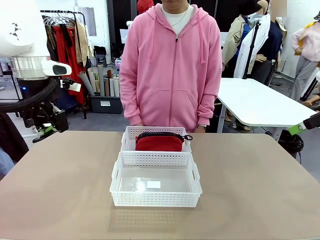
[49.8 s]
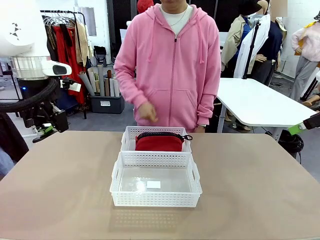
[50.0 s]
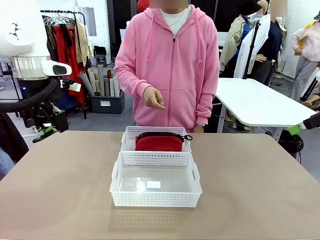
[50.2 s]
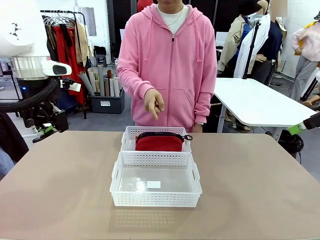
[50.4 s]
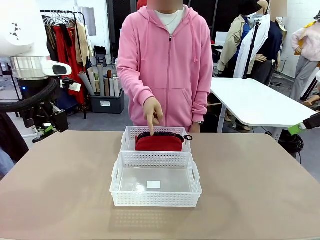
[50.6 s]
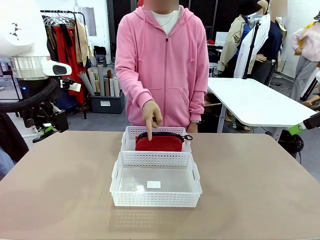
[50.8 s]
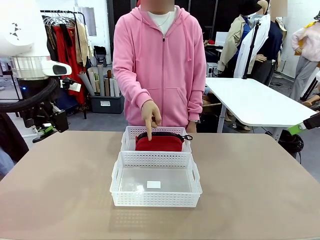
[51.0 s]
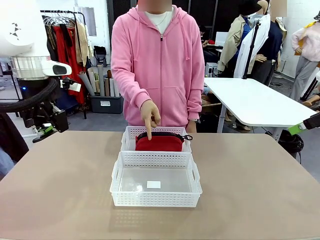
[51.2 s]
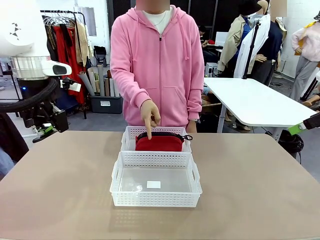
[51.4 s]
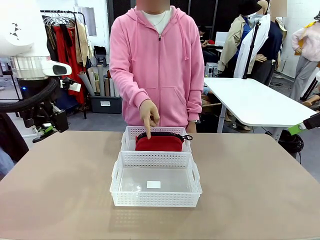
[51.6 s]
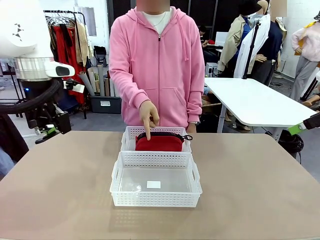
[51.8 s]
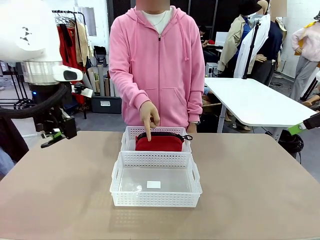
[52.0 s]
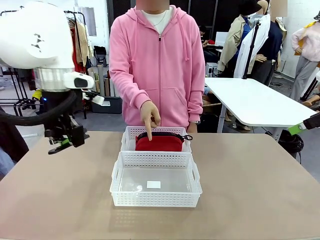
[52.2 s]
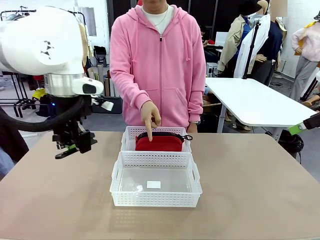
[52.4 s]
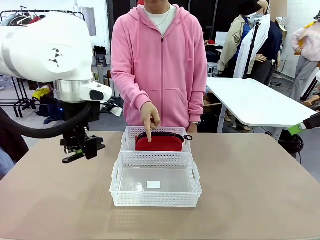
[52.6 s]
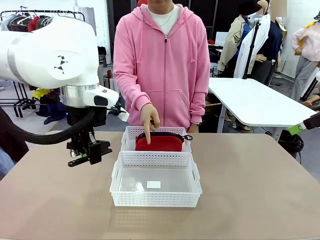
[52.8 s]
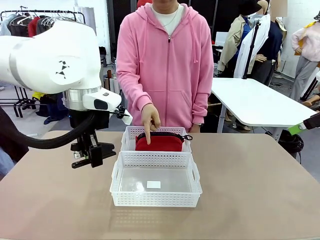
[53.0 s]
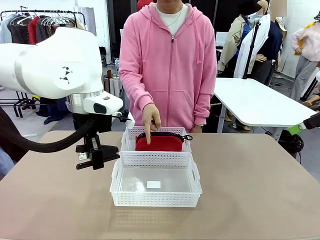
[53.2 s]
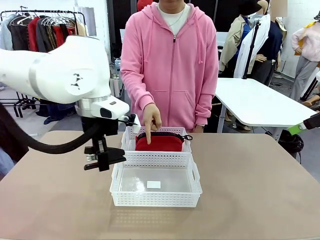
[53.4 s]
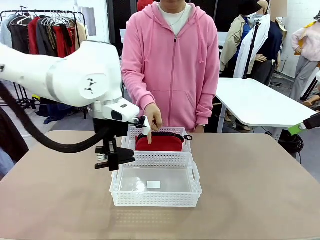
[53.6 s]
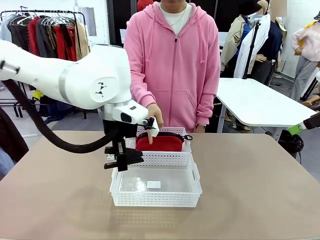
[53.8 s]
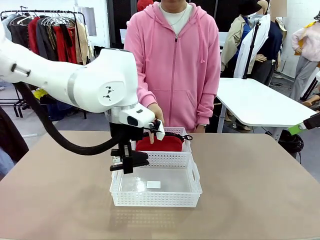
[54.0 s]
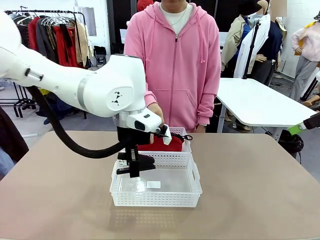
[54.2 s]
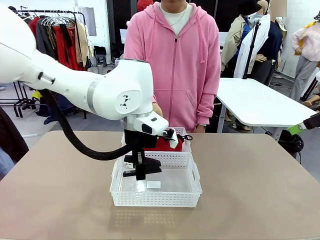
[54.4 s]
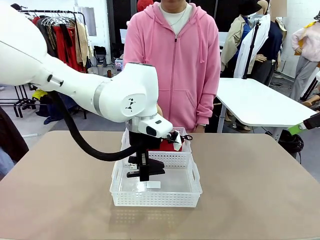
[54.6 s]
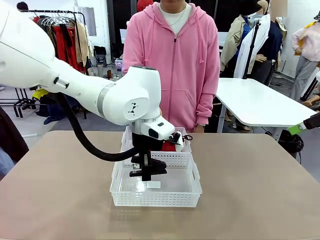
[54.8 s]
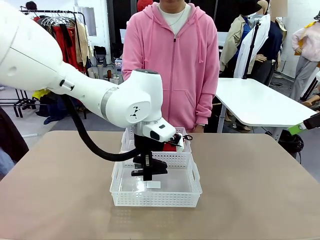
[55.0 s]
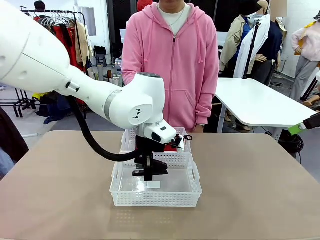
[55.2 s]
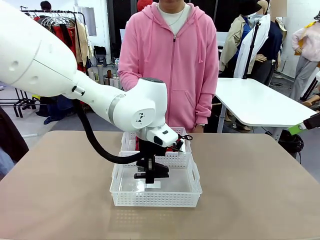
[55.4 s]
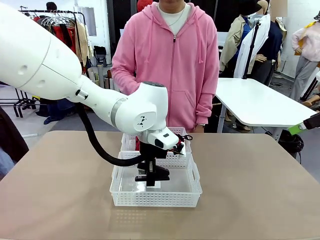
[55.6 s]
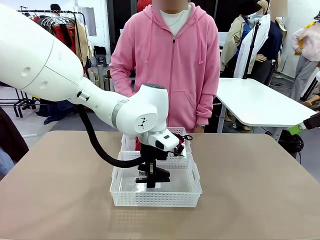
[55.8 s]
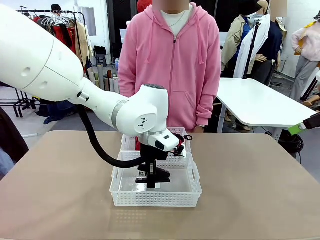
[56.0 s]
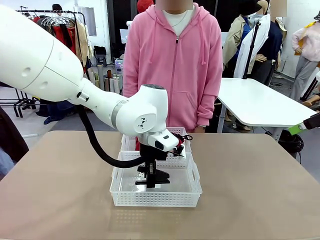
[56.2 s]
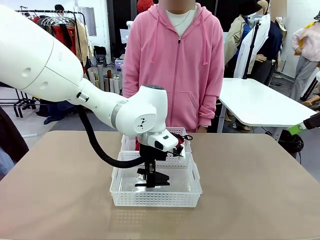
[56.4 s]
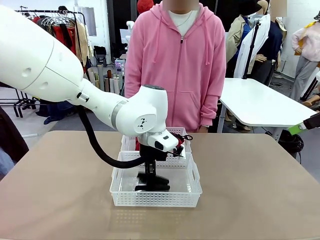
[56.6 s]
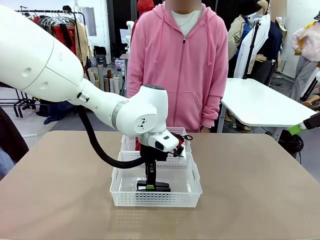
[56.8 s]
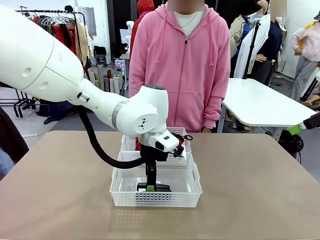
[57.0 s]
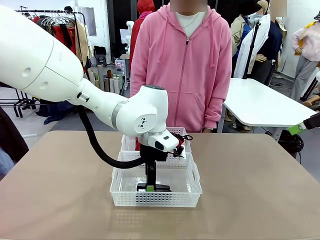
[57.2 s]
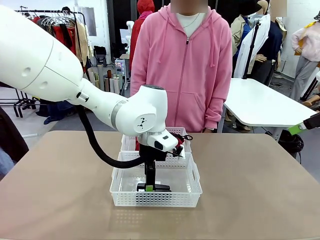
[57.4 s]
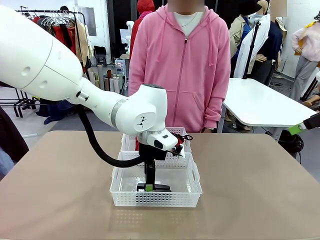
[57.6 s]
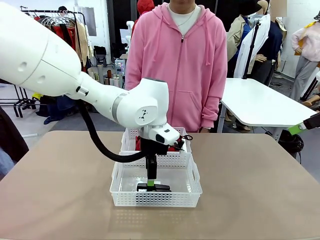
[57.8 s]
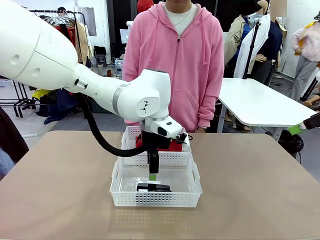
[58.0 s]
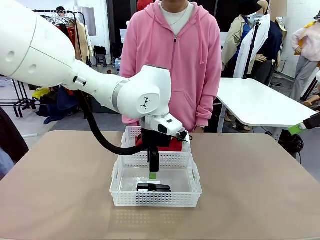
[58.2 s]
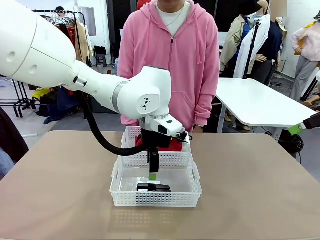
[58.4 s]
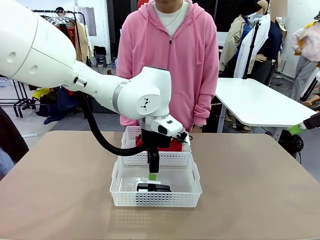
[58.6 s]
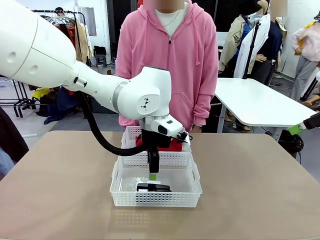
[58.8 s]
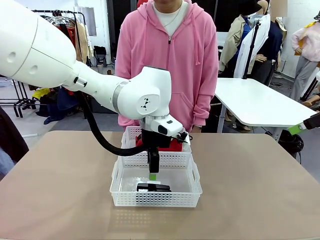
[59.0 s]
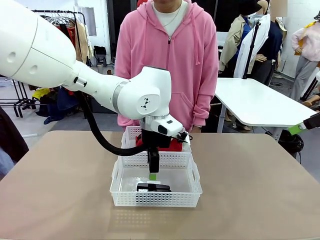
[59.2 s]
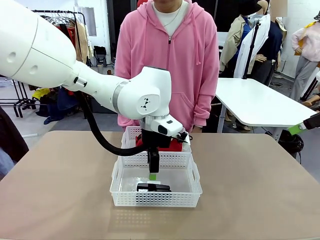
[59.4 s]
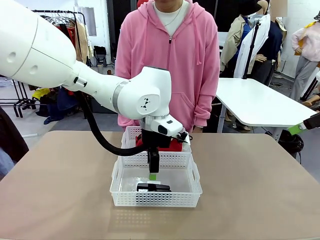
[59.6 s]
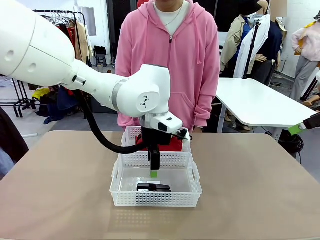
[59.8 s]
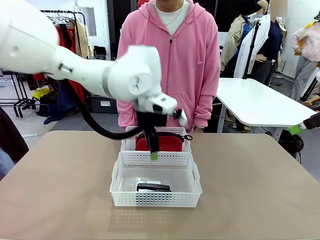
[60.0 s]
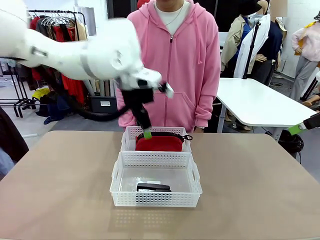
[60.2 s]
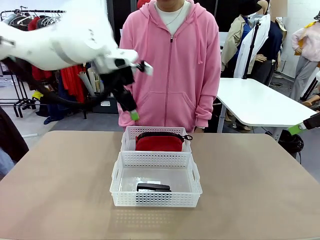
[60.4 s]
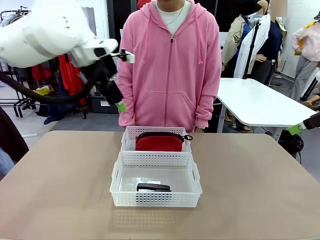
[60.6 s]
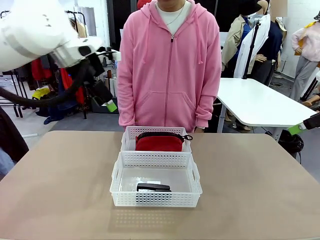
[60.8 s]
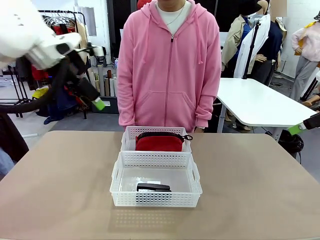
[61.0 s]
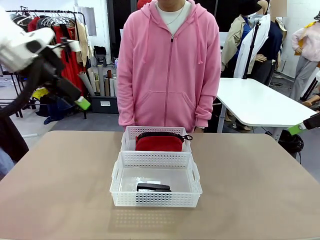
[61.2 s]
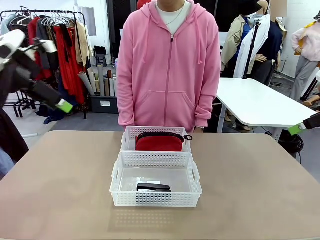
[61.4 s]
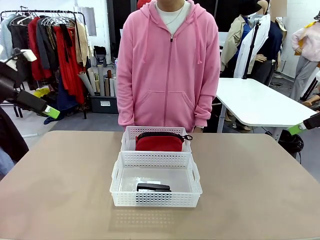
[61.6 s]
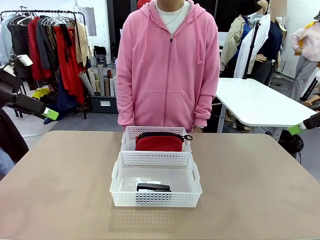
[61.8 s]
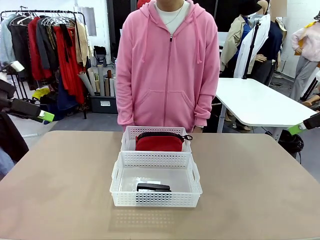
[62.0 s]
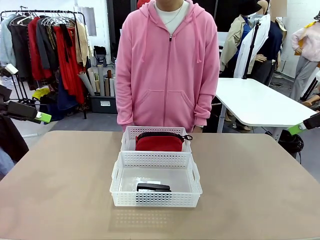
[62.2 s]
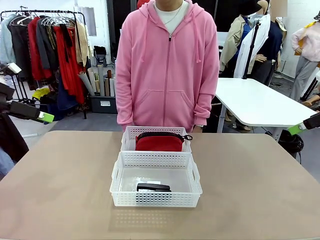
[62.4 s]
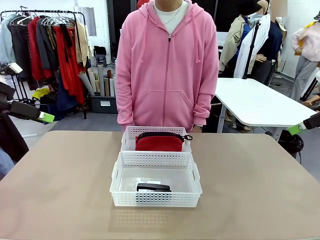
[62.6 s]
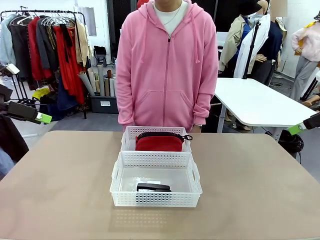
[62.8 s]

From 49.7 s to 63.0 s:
Task: Distribute items into two baskets.
Robot: Place the picked Stapler into the Organizing basket as instructed by the person.
Person: Points to the basket that does not contain the pencil case and instructs the robot to move the stapler there.

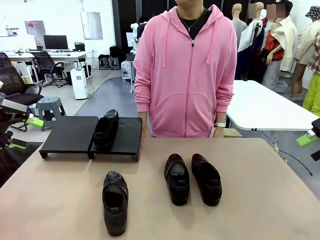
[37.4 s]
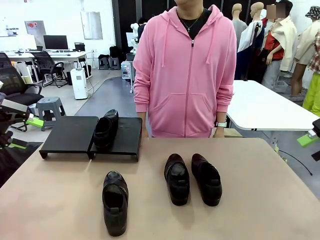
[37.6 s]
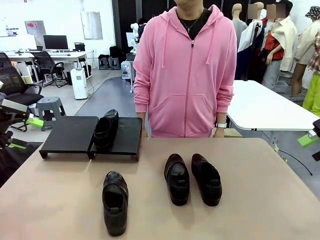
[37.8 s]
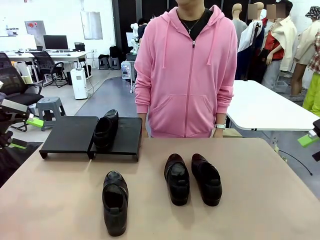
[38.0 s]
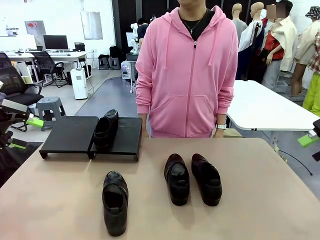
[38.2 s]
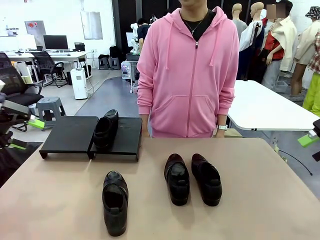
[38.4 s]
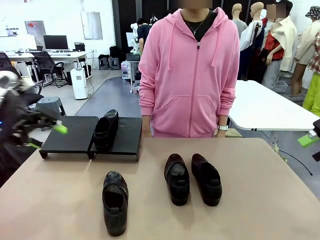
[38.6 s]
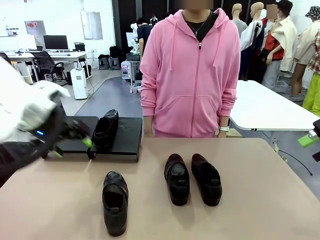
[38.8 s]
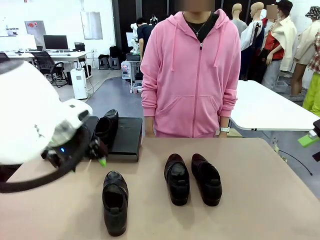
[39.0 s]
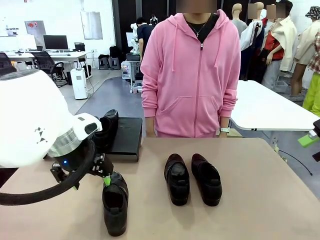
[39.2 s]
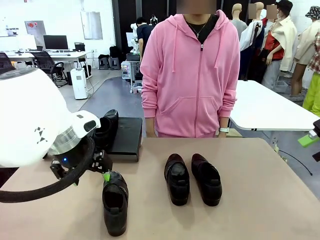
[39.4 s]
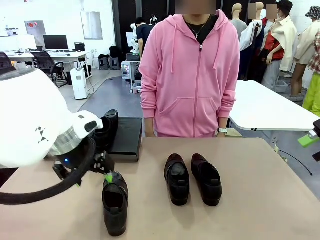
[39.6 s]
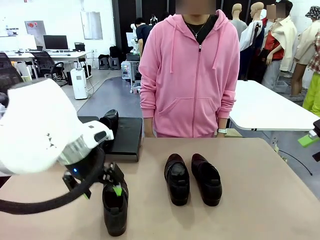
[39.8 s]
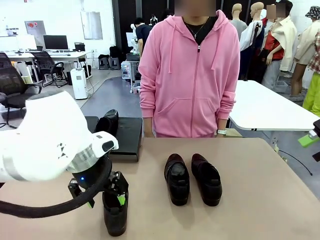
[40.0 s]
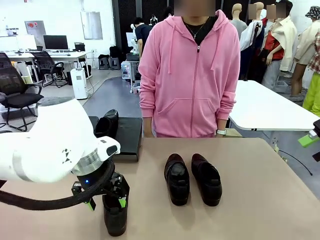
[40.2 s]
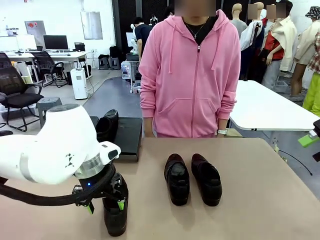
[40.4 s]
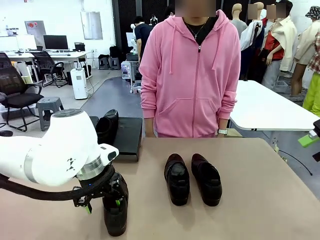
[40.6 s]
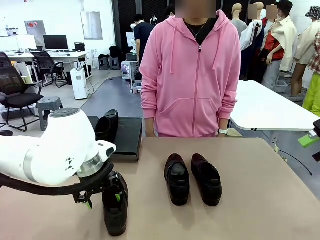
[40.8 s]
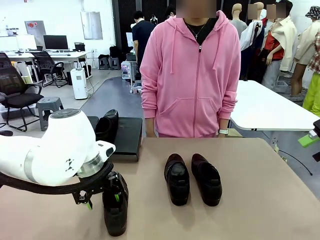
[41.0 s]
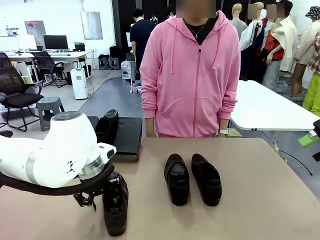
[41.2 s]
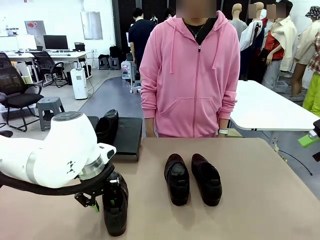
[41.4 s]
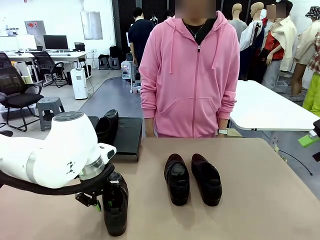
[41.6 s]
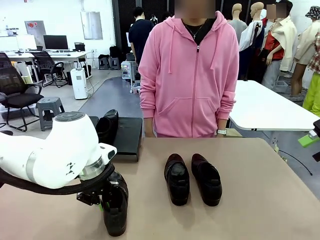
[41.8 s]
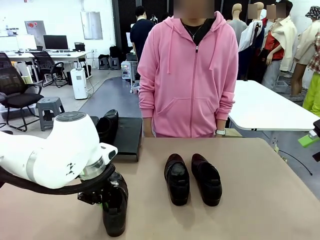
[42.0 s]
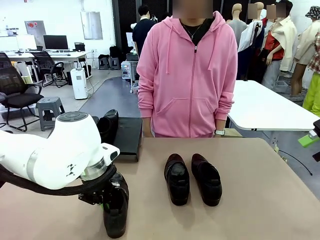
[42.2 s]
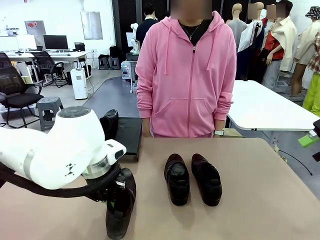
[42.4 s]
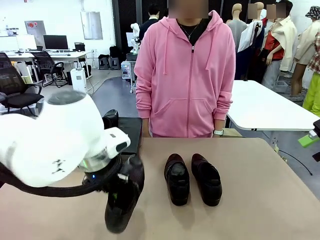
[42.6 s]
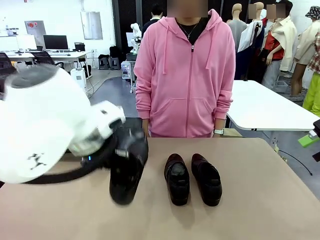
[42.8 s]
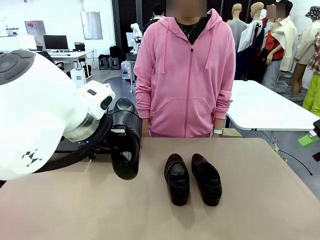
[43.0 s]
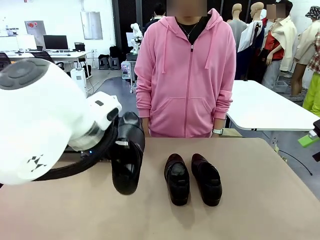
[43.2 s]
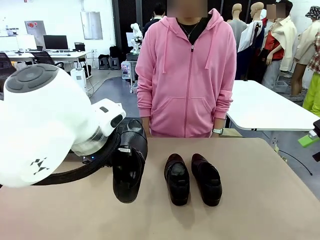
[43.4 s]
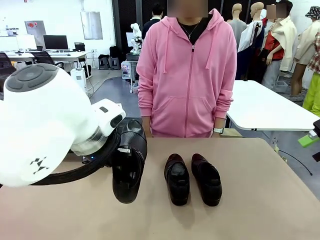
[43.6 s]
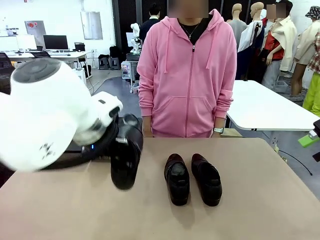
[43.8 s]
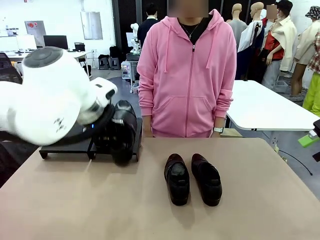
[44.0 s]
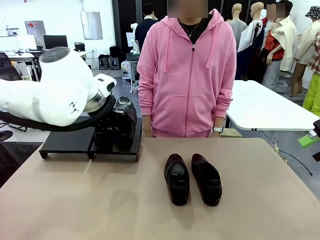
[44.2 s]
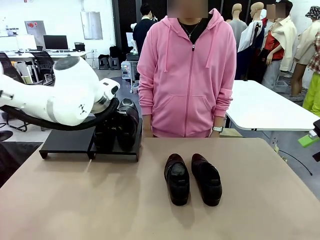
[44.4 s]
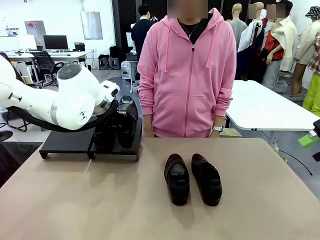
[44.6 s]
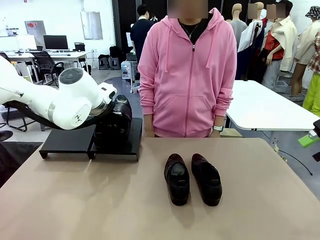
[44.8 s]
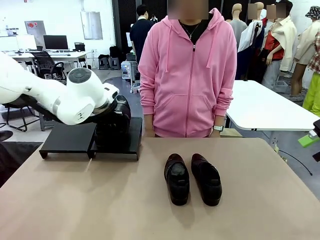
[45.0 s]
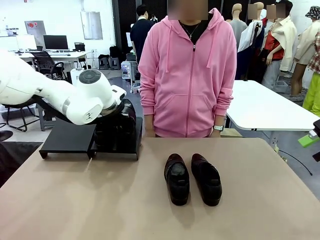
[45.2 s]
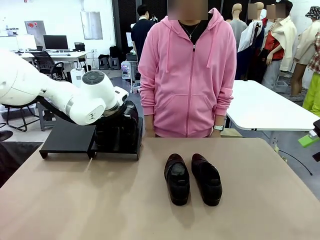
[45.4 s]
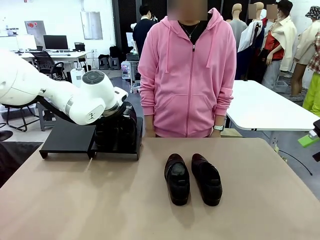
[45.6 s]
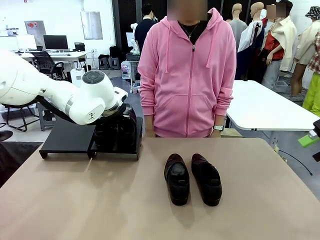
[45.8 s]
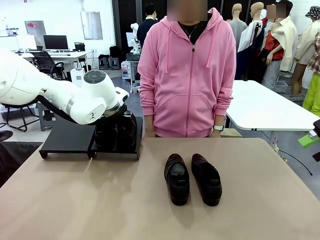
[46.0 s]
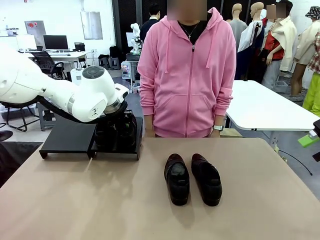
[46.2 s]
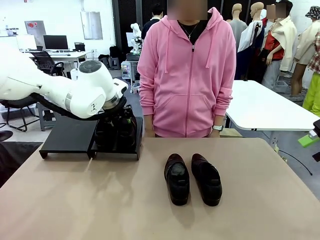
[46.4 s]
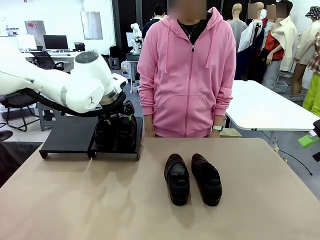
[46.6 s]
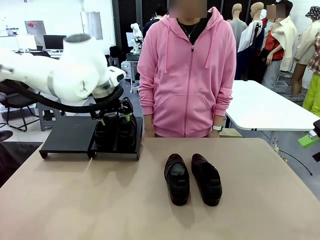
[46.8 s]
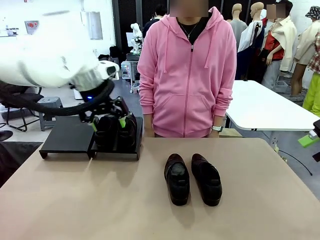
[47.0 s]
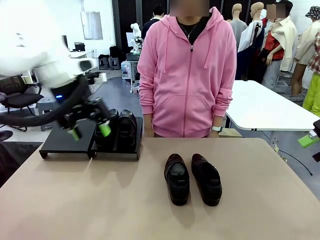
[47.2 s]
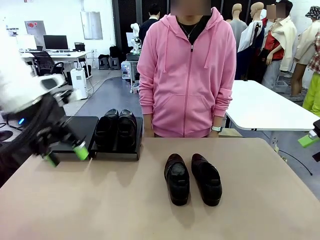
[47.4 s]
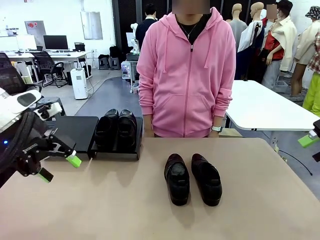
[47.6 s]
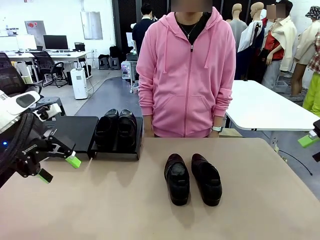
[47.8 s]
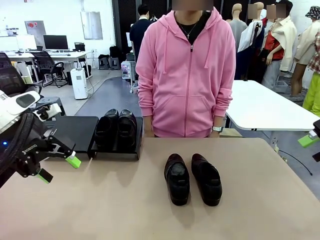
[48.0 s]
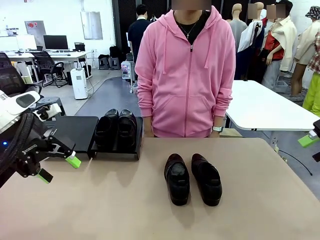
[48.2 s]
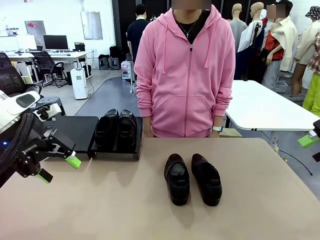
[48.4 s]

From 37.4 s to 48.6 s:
Task: Organize the shoes by placing them on the stand.
Robot: Place the Shoe from the middle of the table onto the Shoes Stand.
